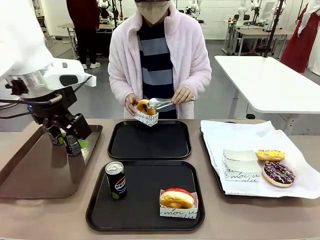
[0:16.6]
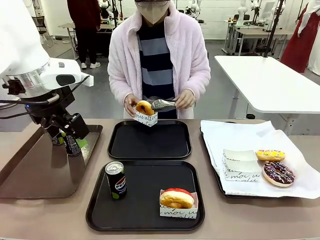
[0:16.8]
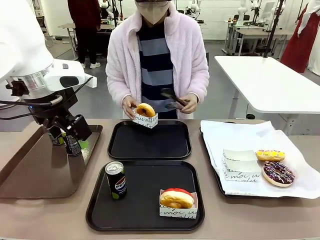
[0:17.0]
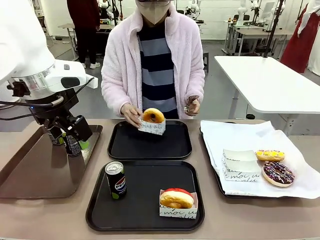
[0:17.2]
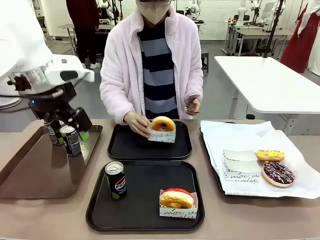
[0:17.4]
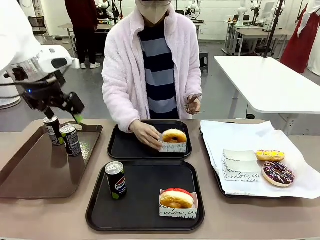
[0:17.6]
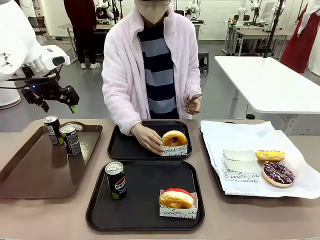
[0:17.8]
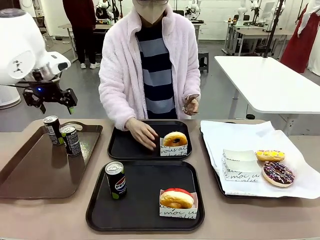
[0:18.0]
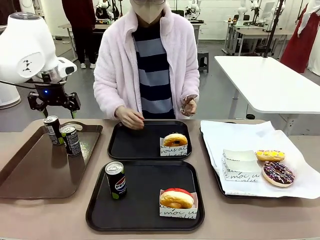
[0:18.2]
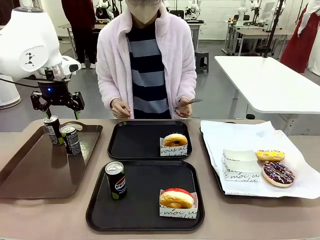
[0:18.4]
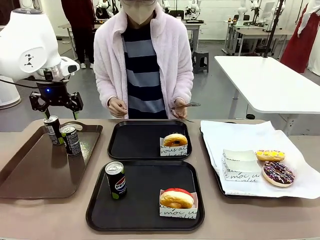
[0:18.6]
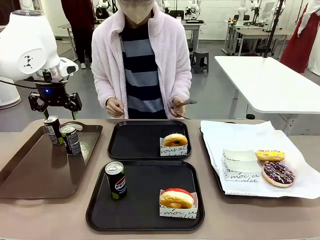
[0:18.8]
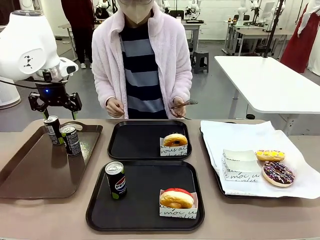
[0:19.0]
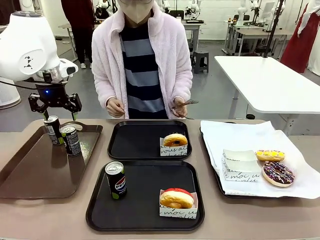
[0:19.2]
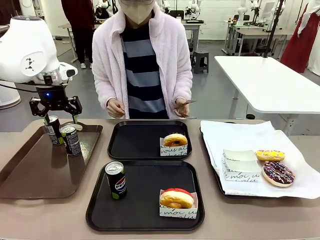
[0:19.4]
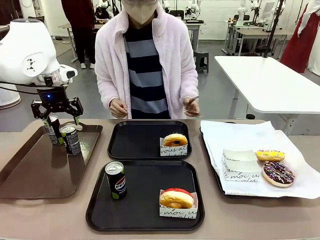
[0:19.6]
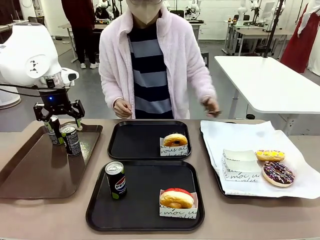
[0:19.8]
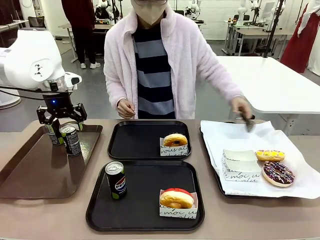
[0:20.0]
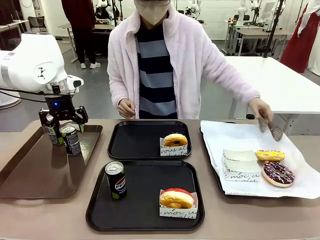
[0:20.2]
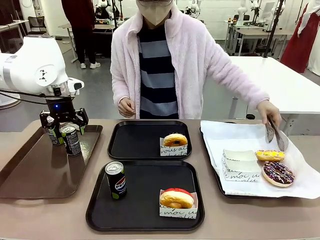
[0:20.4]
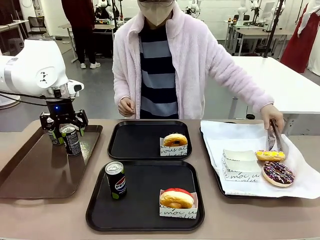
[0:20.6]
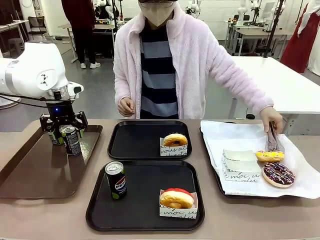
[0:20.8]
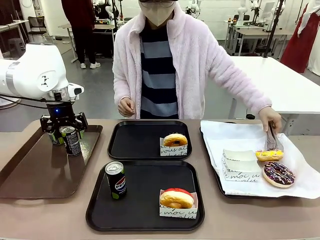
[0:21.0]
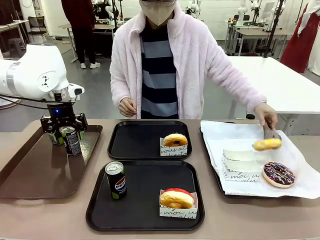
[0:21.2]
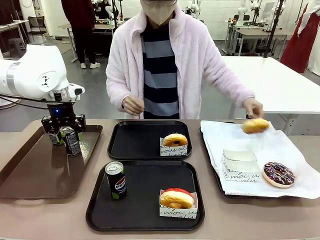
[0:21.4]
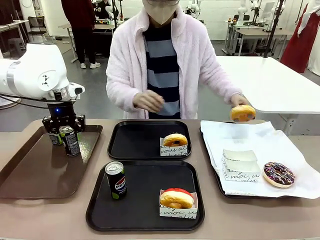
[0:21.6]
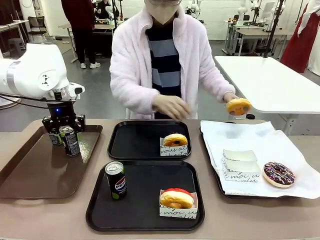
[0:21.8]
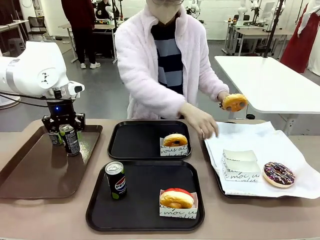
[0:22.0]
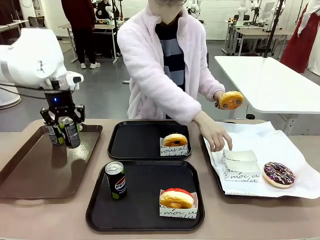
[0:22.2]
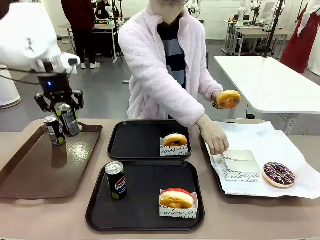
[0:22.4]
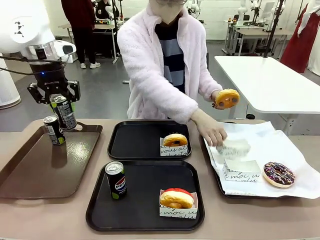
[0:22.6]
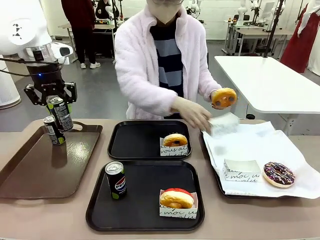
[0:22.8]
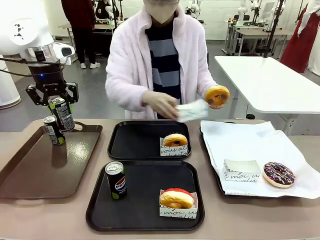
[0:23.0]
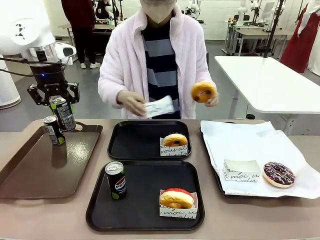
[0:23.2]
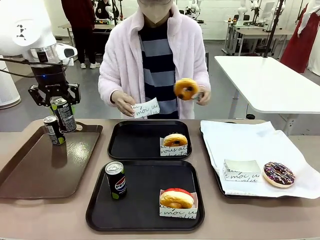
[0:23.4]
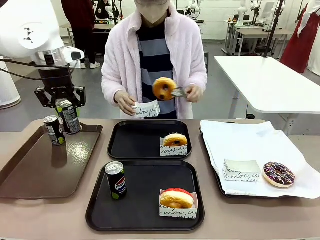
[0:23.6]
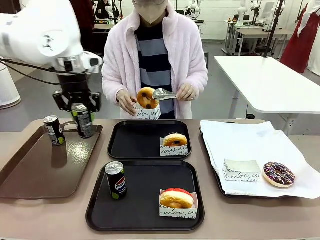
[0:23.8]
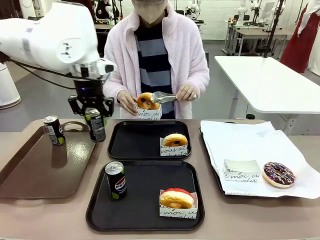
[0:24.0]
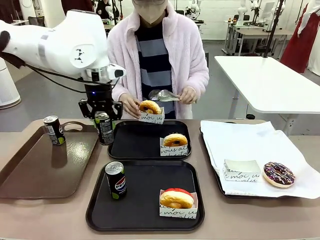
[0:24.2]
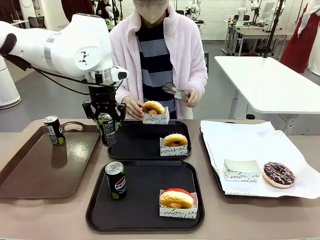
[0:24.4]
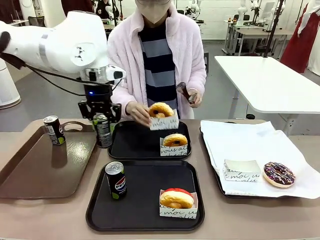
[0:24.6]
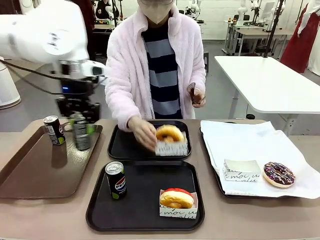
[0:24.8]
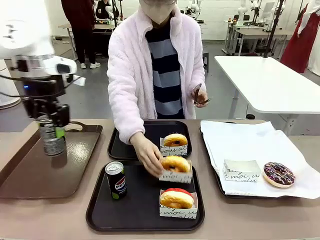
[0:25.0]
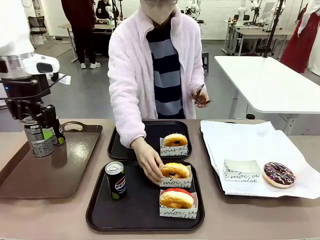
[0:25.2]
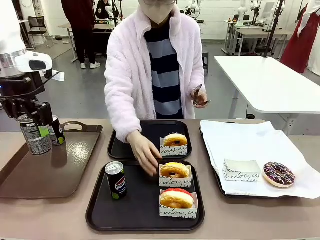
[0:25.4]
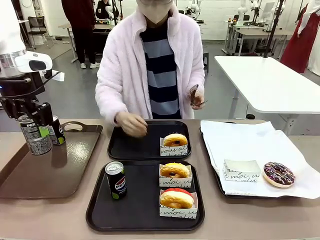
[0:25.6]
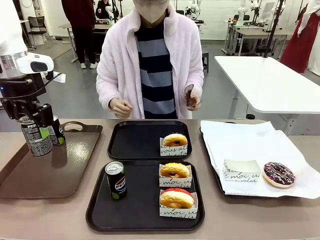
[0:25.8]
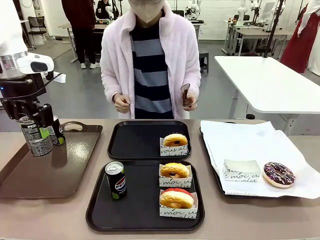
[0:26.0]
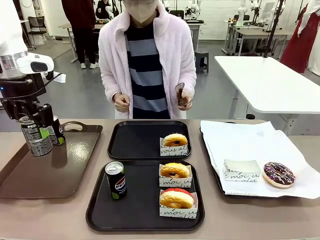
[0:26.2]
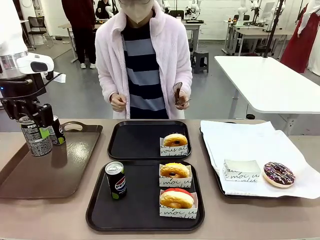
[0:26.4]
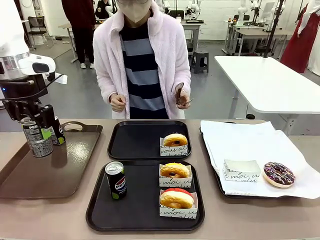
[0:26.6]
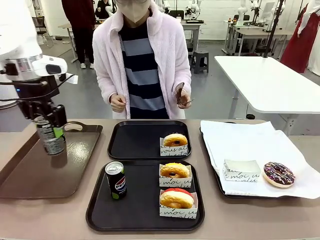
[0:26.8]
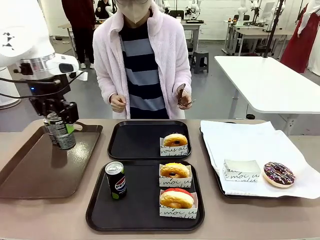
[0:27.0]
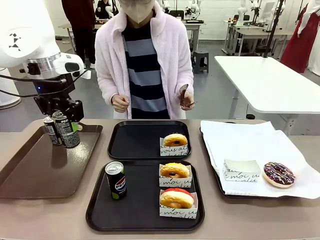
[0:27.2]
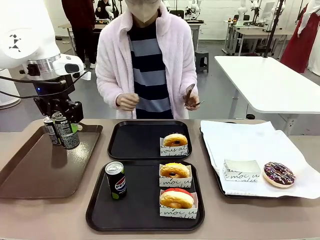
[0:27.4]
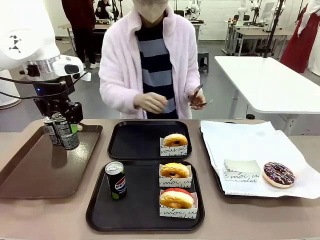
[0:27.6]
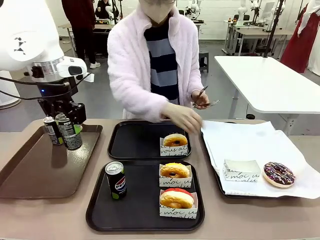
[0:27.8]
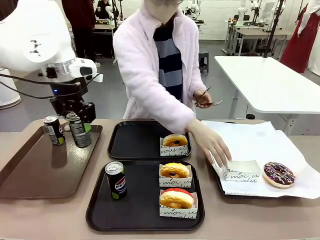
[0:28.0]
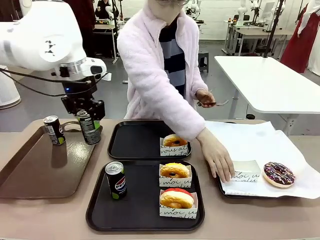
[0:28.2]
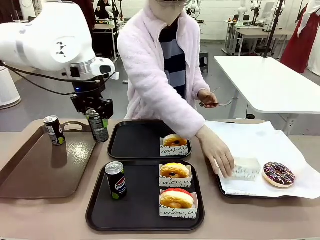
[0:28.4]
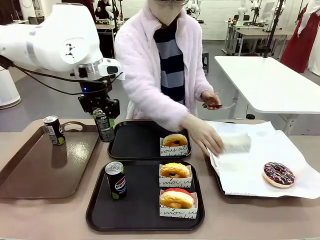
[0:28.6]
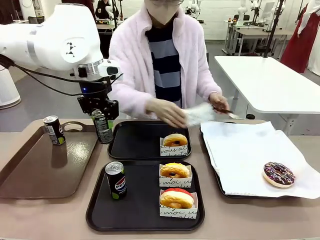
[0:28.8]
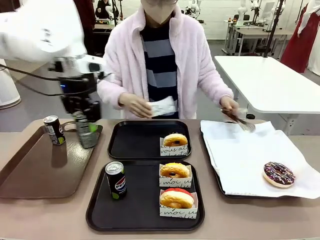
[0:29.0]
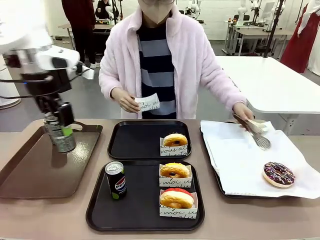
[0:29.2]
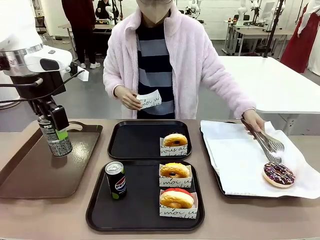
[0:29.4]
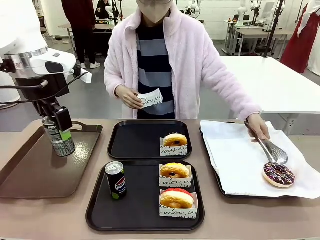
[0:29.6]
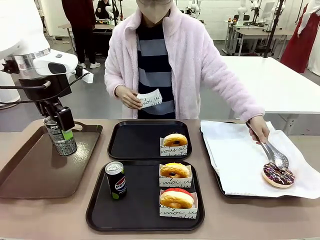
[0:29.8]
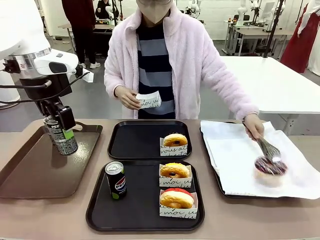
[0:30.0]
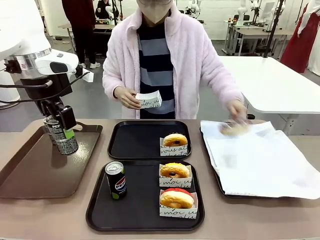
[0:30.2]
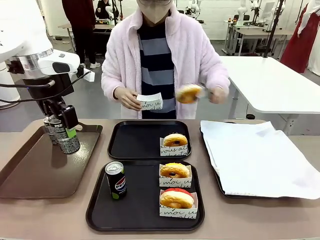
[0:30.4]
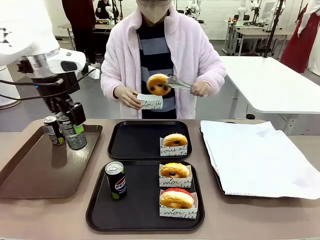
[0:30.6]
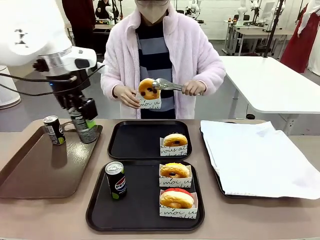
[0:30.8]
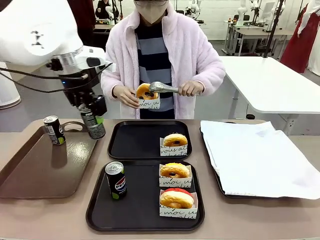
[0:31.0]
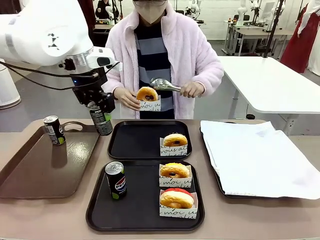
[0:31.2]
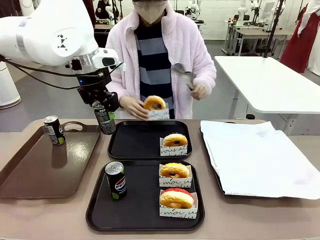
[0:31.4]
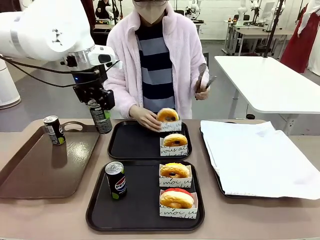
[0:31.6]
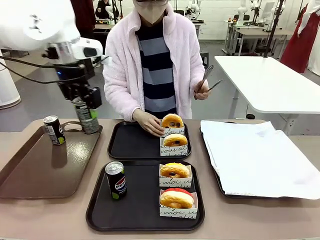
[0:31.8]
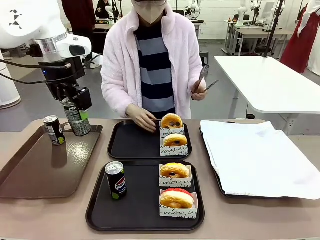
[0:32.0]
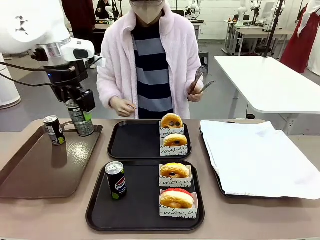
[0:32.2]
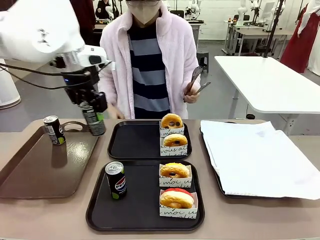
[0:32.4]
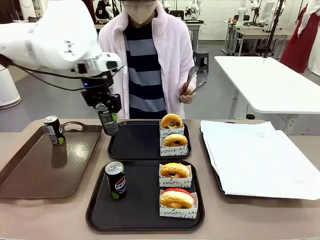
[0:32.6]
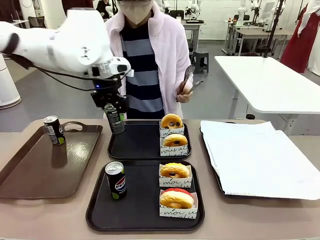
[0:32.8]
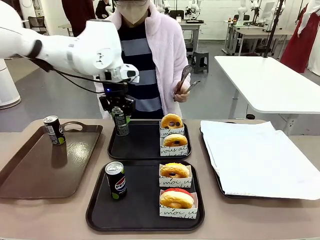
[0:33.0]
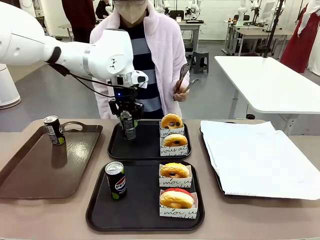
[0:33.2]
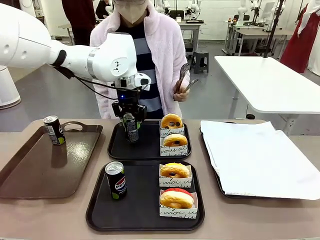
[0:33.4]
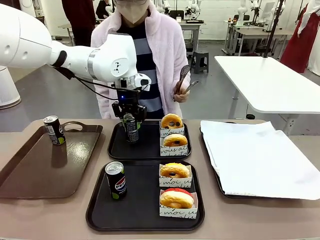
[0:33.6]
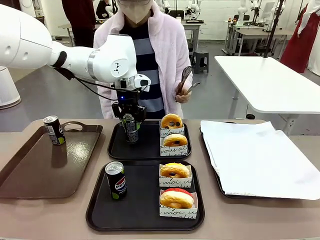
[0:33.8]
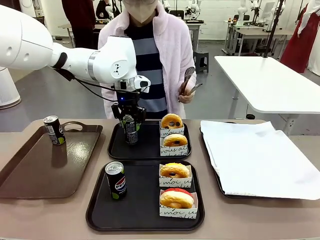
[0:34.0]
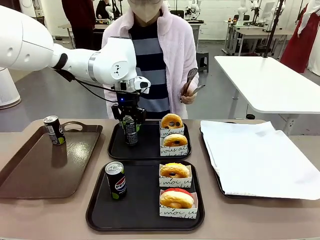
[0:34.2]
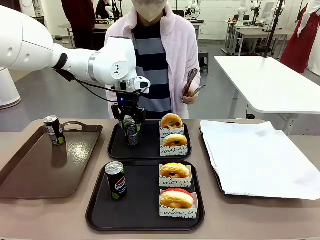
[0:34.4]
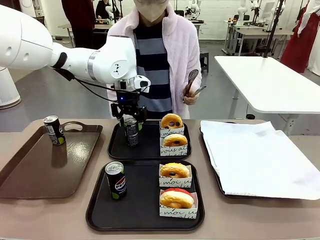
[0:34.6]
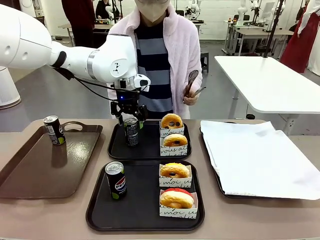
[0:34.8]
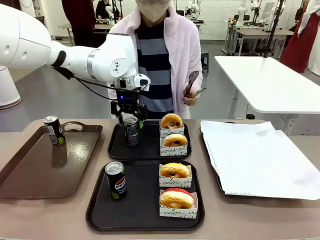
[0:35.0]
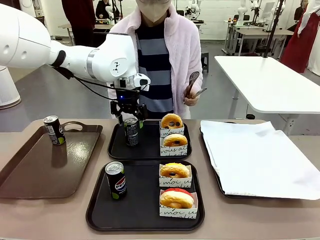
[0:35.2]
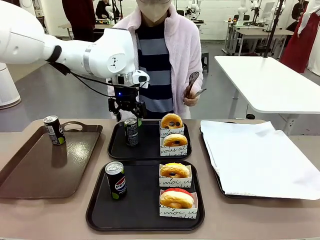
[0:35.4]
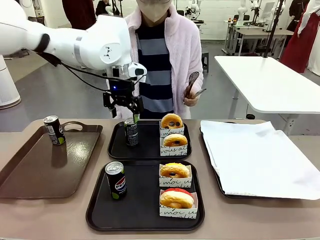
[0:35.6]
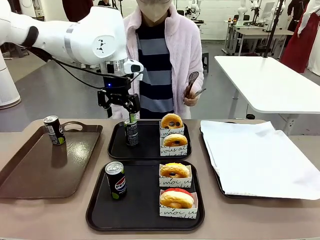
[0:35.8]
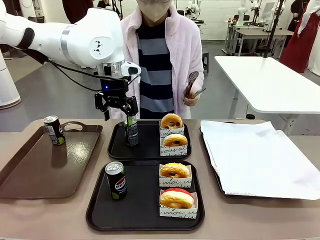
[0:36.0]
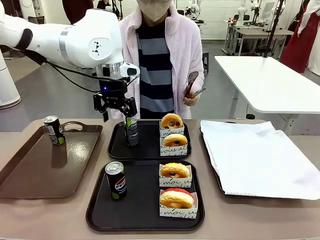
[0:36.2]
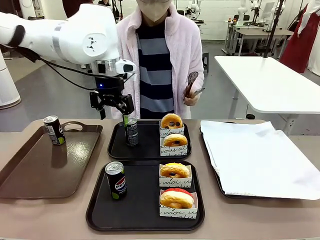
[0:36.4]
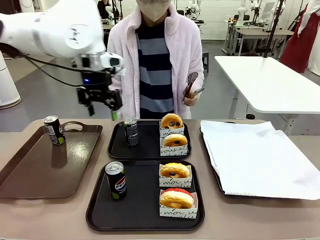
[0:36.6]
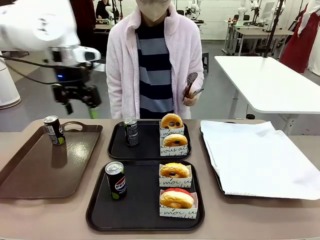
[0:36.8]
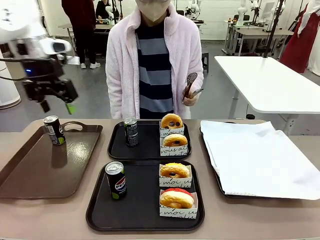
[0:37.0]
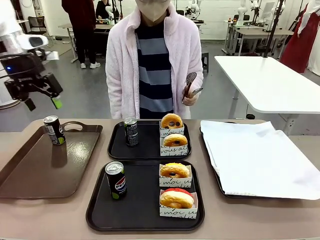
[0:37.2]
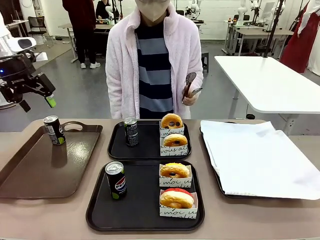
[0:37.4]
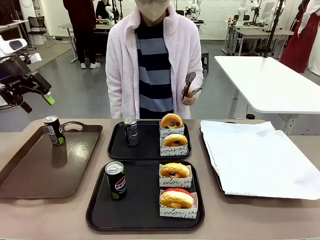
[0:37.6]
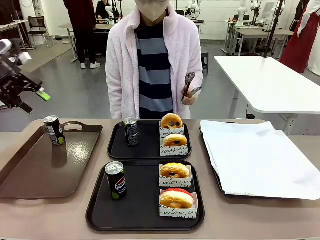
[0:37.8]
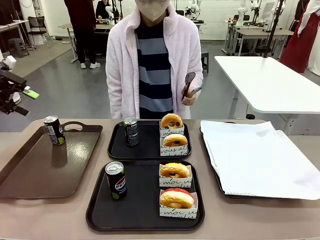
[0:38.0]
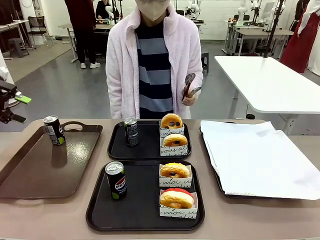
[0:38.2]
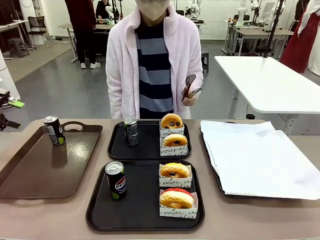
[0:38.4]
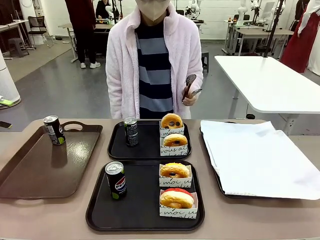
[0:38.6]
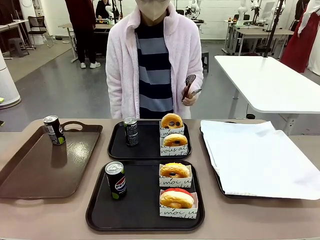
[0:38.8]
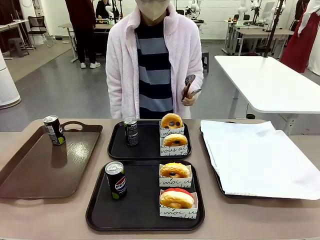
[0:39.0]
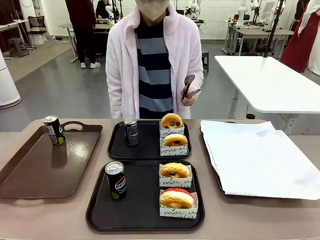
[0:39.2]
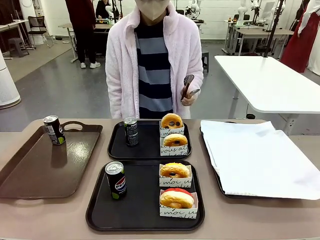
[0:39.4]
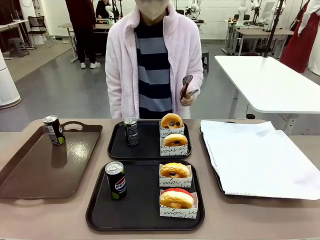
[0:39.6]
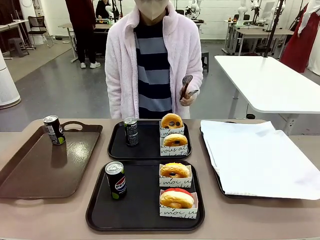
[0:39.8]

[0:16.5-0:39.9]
Task: Set up donuts and drinks on trays.
Robot: Pick up one Pepsi coke from the Handle tray and place it on the Flat Tray without a Pepsi coke.
Person: Pick up one donut with tongs, place it in the donut tray, and then place the donut tray on the flat tray.
